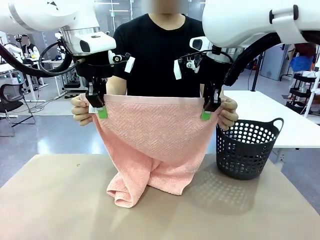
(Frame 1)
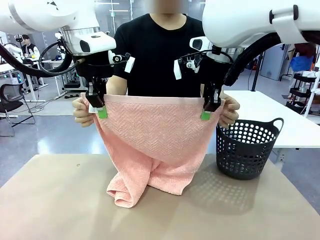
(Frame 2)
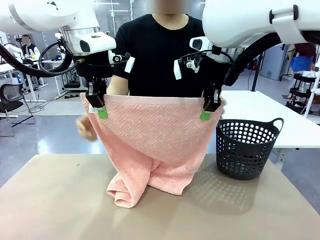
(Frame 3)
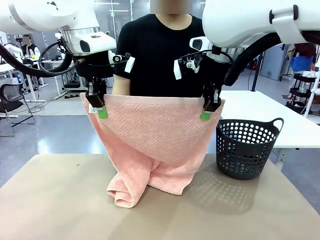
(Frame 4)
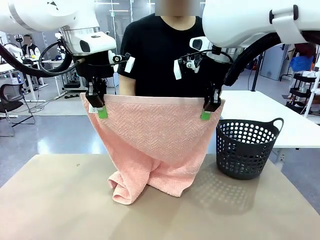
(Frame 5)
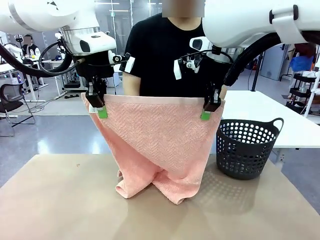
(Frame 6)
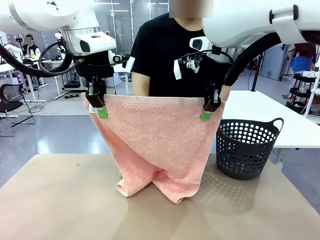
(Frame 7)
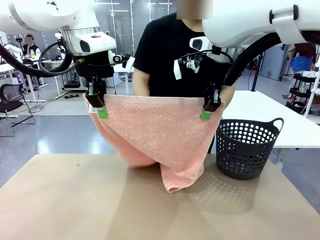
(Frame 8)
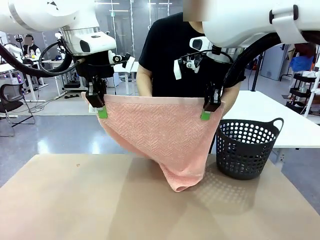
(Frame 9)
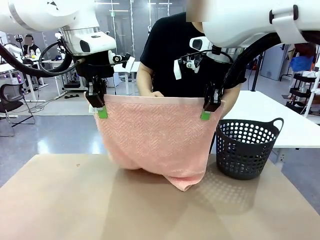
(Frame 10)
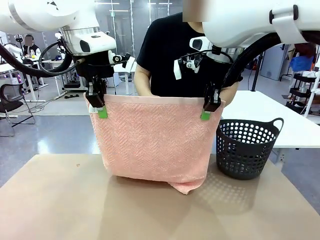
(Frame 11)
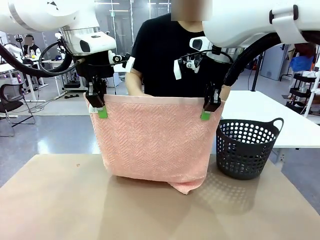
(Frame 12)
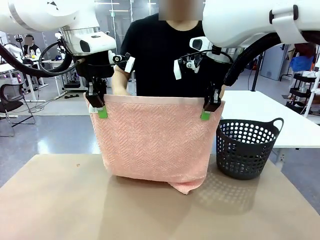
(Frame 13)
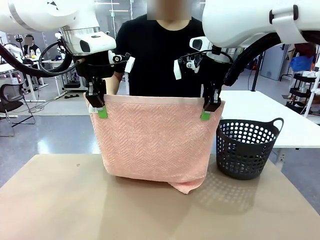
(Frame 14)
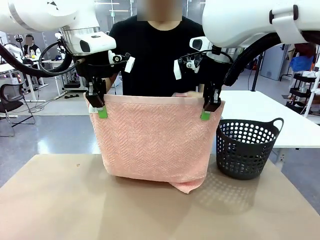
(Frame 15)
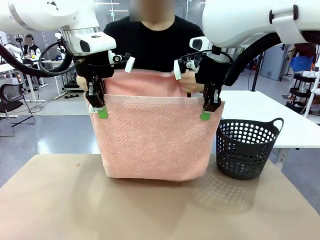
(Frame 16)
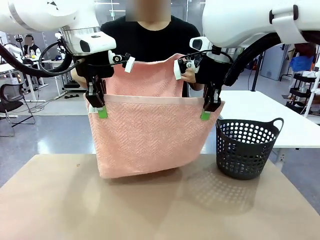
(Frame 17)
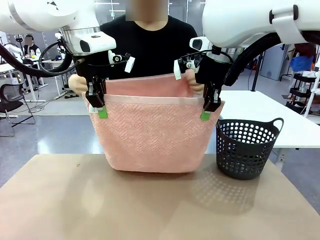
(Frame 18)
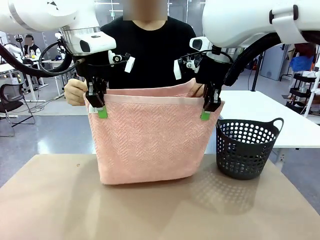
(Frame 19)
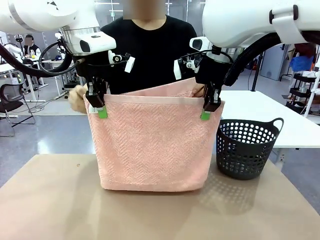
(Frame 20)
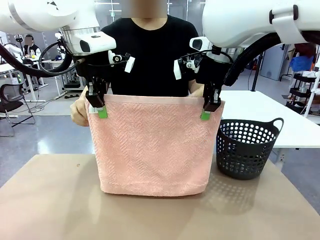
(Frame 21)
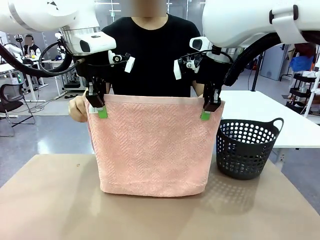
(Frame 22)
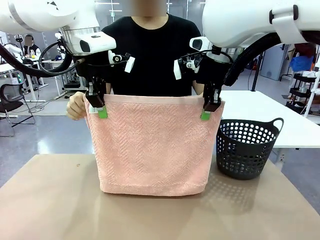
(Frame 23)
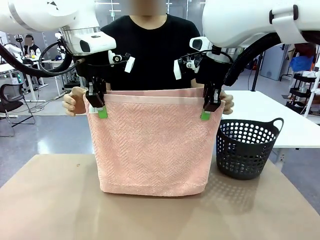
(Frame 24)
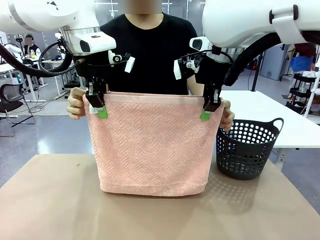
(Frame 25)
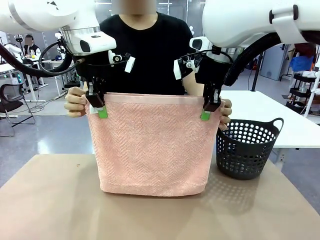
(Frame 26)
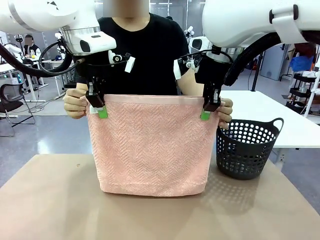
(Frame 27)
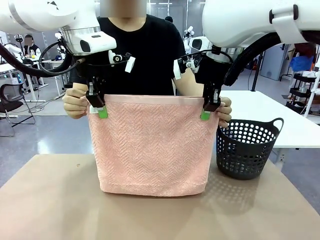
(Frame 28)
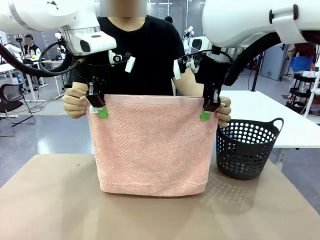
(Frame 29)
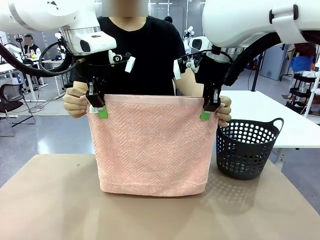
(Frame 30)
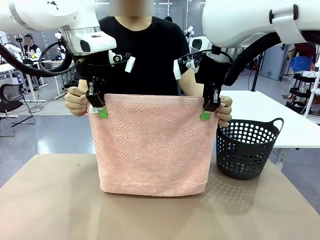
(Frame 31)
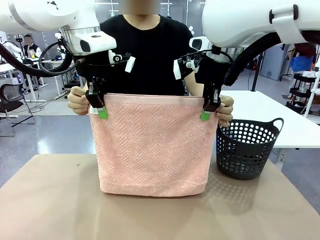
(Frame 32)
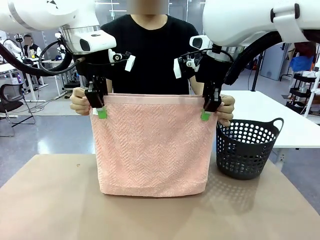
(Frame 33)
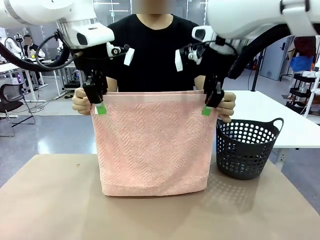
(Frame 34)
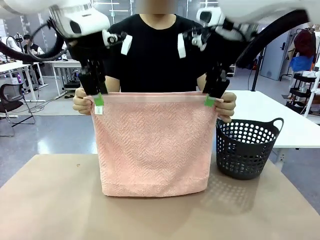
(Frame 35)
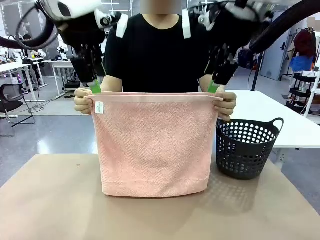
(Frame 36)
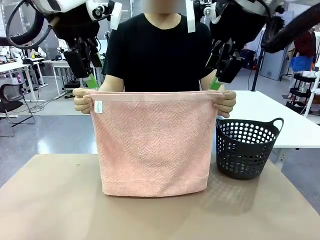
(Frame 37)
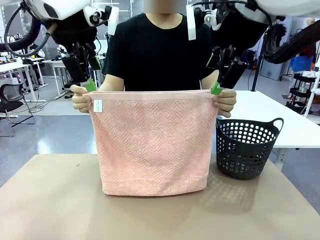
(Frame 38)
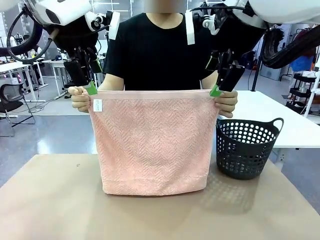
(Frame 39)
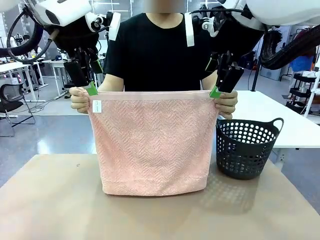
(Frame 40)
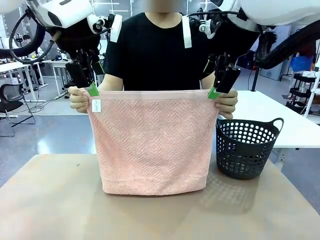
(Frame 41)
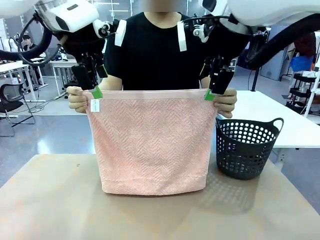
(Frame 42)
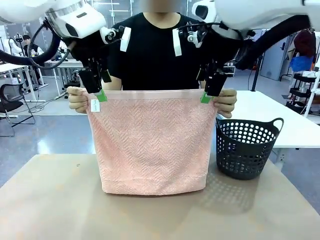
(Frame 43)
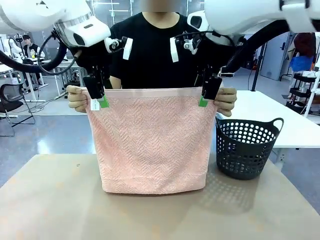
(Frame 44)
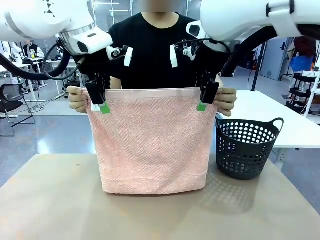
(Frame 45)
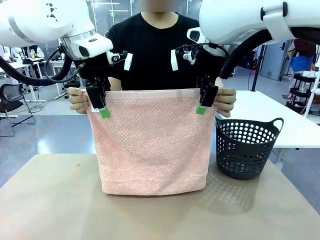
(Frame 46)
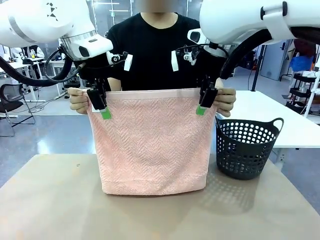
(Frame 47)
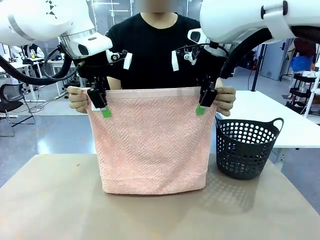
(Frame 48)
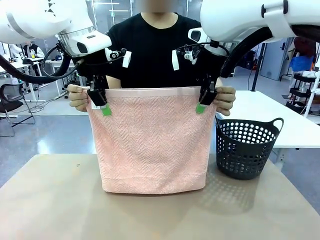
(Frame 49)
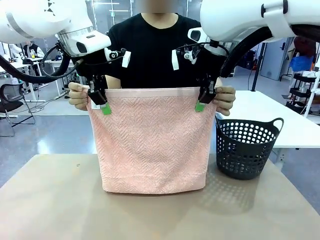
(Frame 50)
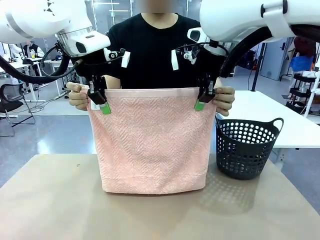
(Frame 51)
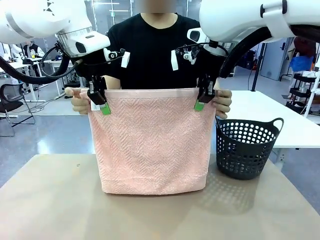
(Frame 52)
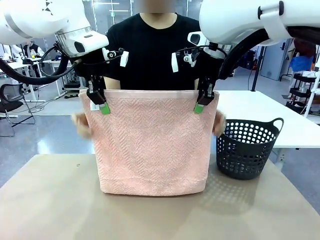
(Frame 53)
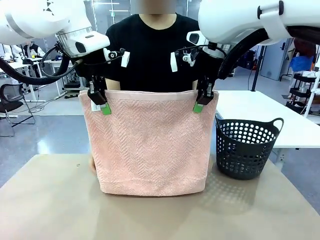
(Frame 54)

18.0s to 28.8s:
Task: Fold the towel.
Robot: Release the end of the 100 cm Hotel Towel you were holding and grab the top end of the folded side.
Person: Using the point held by the robot as a reference, grasp the opposite end, fold the towel in half, and then hold both ends of the folded towel.

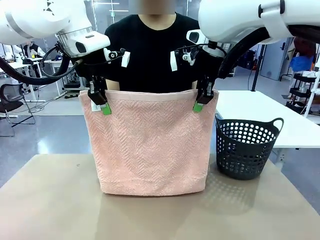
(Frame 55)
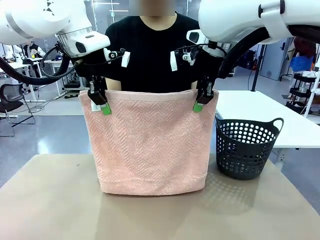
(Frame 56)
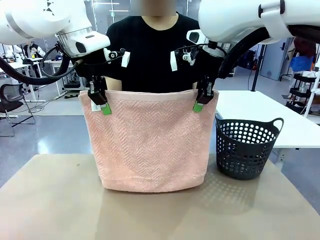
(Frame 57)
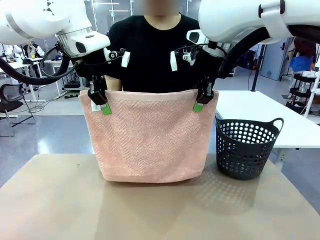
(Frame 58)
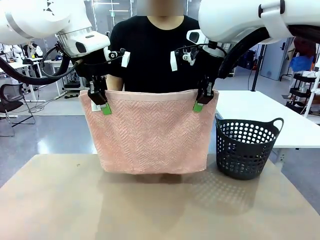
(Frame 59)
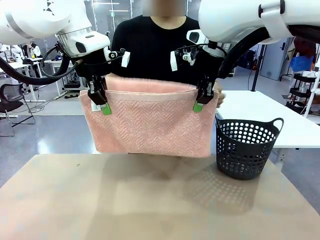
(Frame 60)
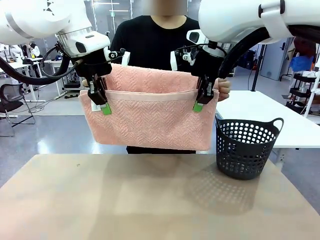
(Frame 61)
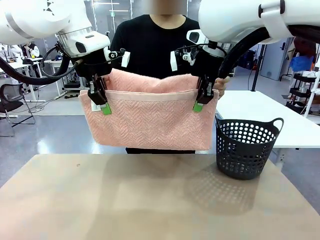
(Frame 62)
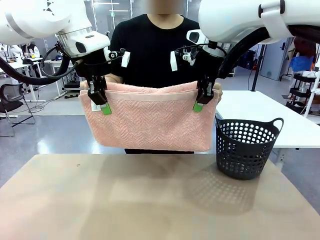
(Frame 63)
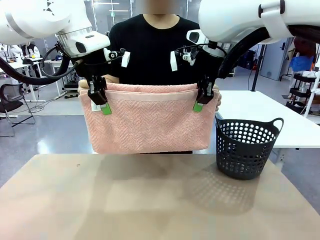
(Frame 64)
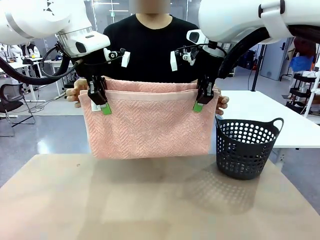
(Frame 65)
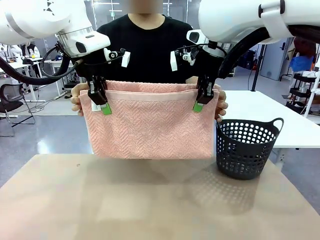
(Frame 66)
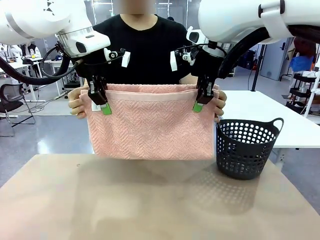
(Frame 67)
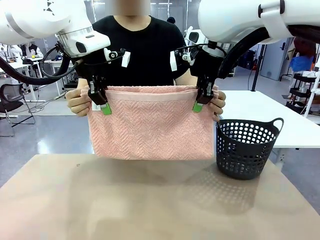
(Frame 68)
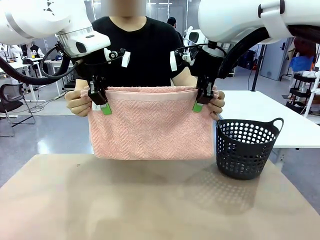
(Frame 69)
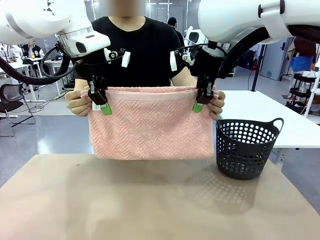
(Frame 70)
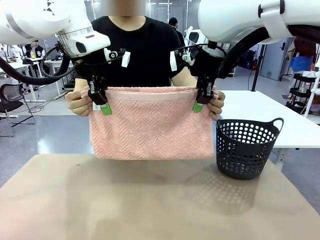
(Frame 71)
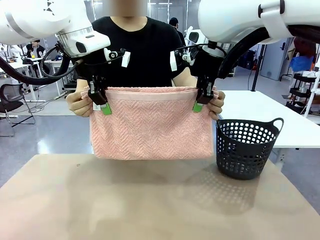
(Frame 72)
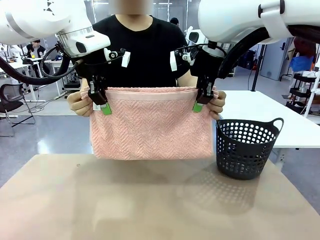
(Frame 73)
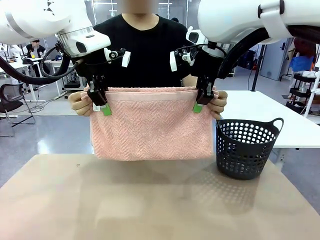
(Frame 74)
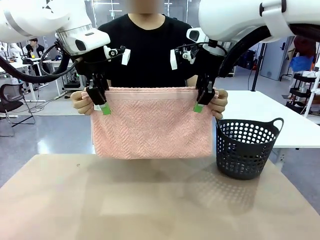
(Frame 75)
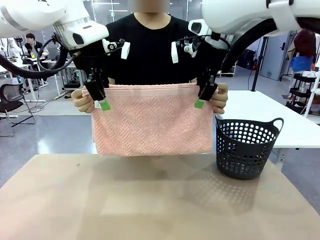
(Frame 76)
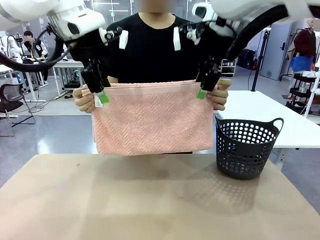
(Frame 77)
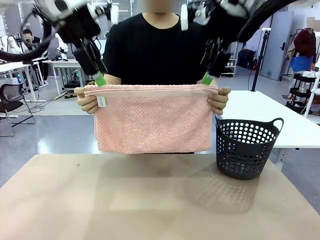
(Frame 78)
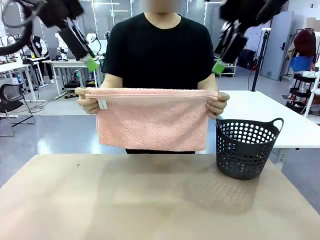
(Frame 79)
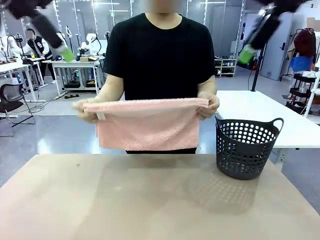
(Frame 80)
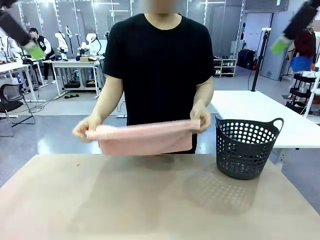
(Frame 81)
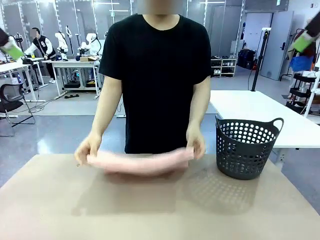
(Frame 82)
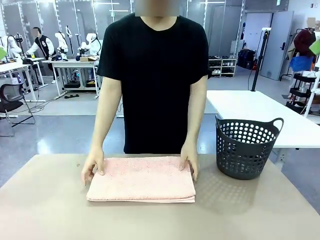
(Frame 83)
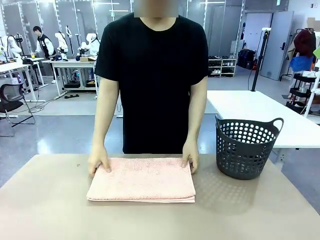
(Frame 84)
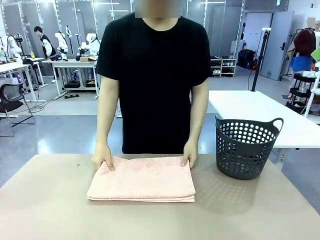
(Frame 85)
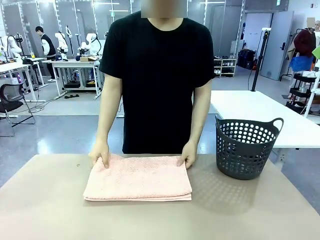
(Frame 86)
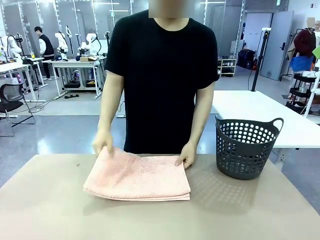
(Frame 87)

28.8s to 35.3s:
Robot: Release the end of the 100 cm Hotel Towel you were holding.
Person: Place the towel at the center of the robot table and fold it in half.
